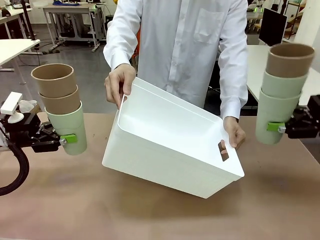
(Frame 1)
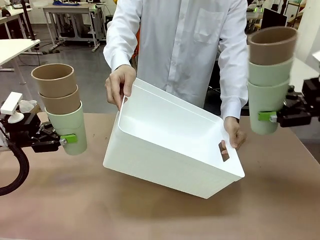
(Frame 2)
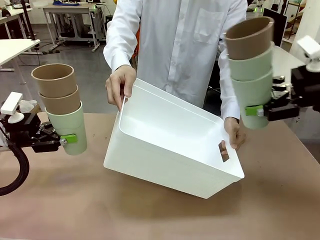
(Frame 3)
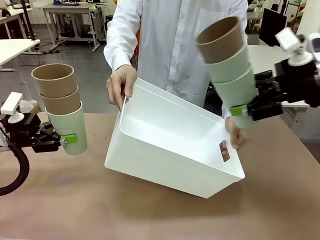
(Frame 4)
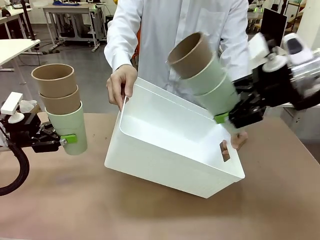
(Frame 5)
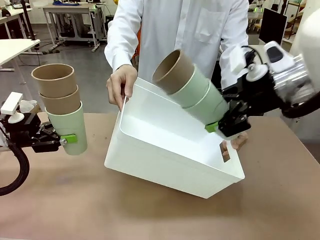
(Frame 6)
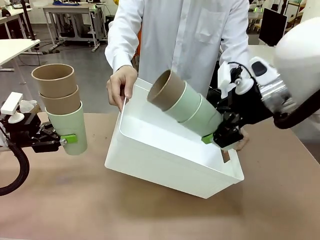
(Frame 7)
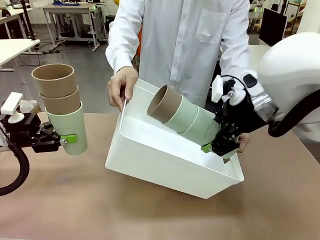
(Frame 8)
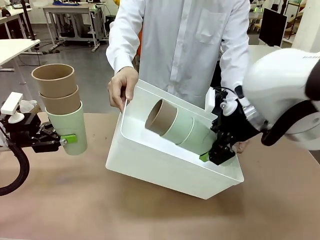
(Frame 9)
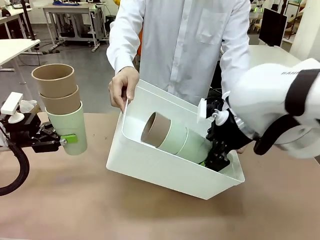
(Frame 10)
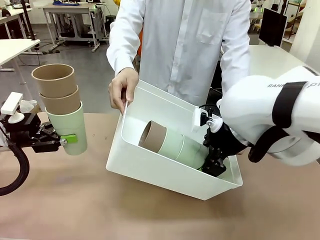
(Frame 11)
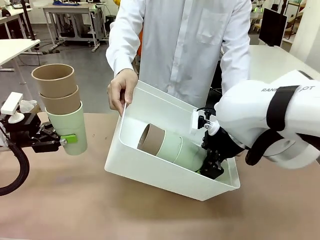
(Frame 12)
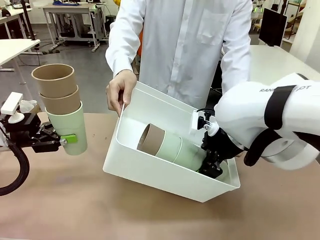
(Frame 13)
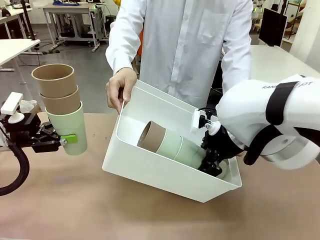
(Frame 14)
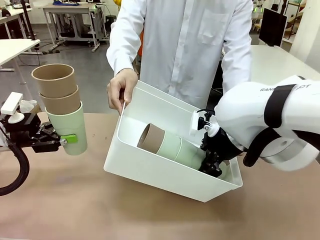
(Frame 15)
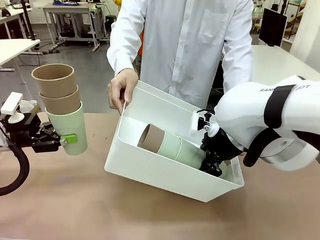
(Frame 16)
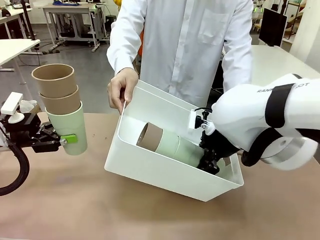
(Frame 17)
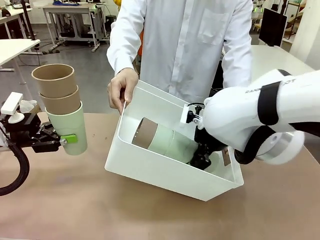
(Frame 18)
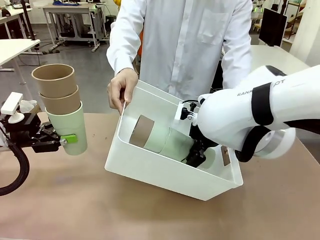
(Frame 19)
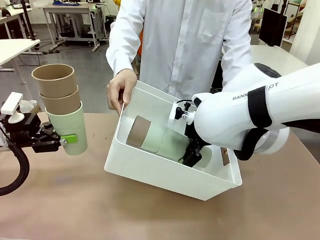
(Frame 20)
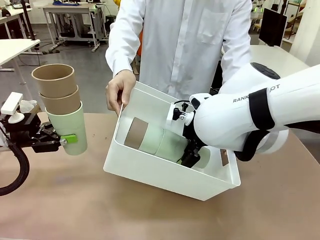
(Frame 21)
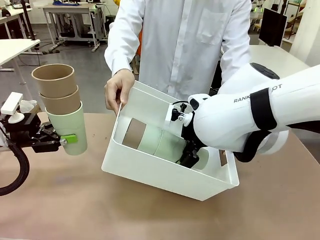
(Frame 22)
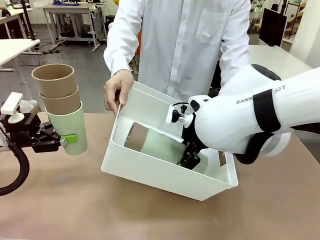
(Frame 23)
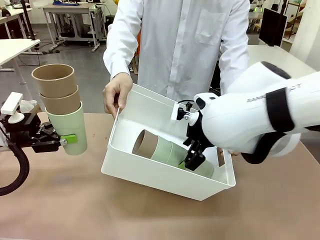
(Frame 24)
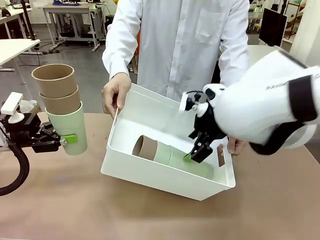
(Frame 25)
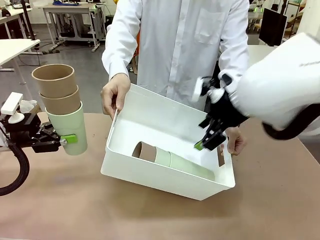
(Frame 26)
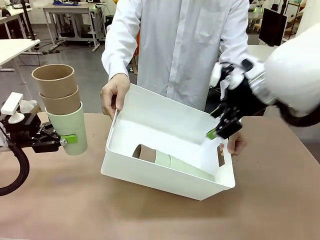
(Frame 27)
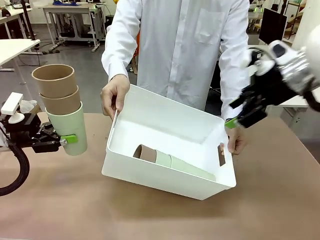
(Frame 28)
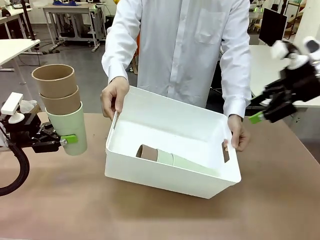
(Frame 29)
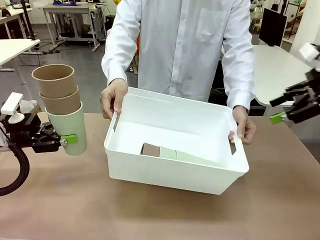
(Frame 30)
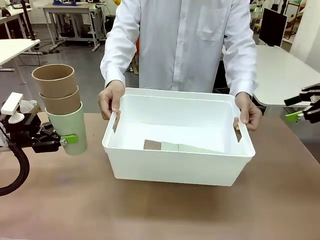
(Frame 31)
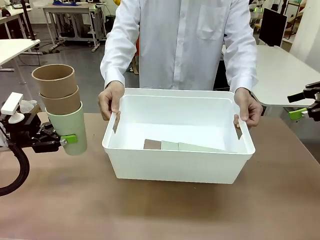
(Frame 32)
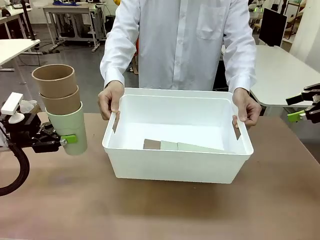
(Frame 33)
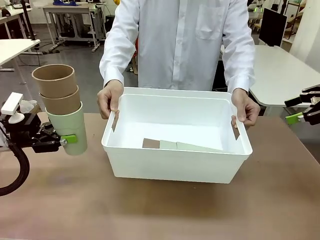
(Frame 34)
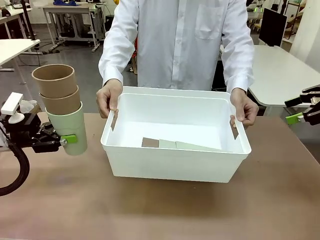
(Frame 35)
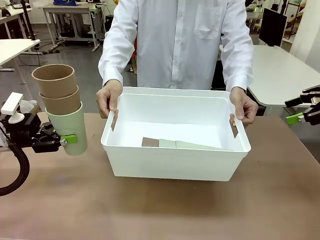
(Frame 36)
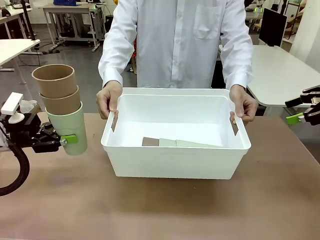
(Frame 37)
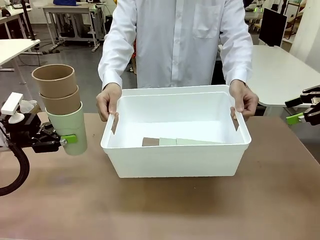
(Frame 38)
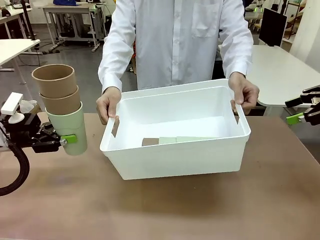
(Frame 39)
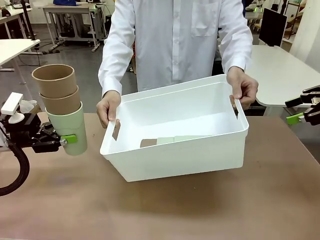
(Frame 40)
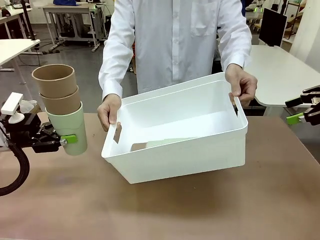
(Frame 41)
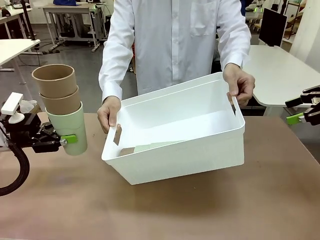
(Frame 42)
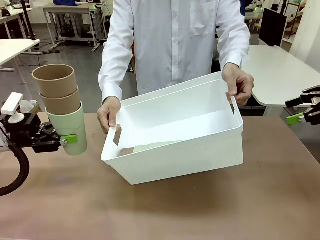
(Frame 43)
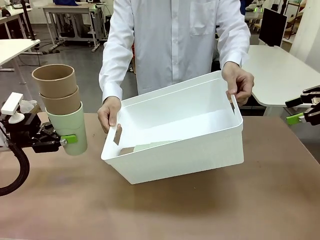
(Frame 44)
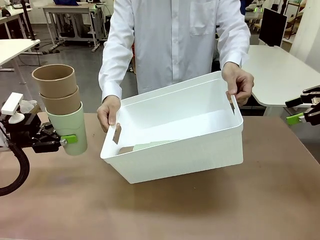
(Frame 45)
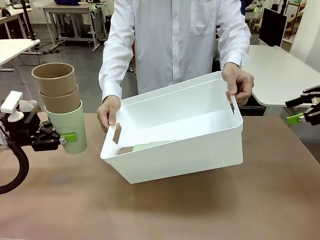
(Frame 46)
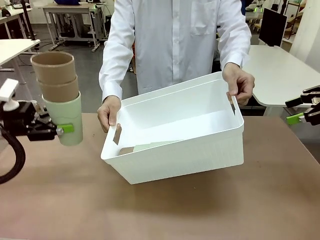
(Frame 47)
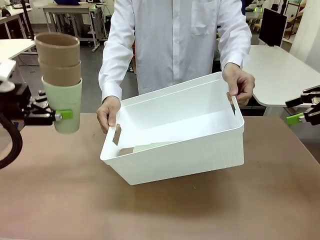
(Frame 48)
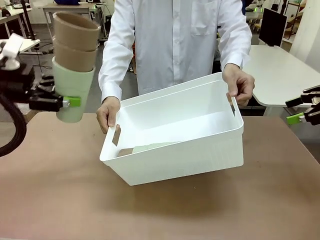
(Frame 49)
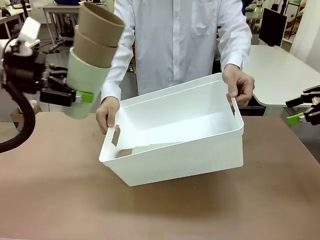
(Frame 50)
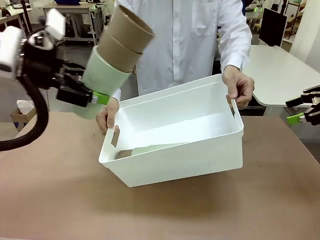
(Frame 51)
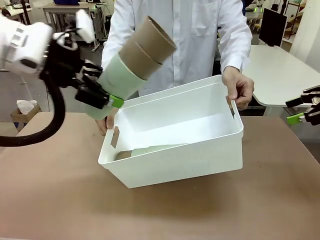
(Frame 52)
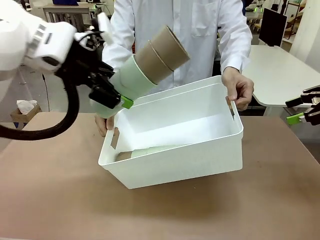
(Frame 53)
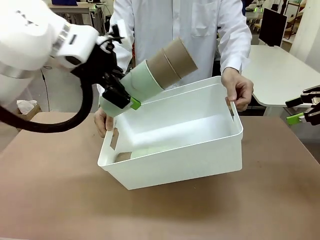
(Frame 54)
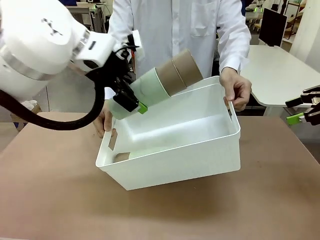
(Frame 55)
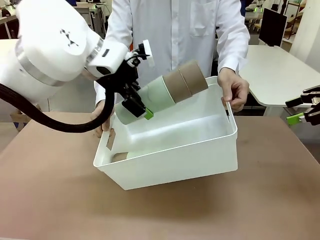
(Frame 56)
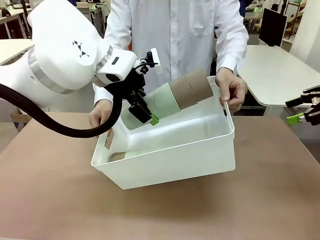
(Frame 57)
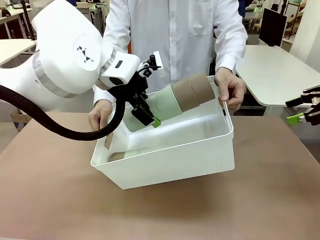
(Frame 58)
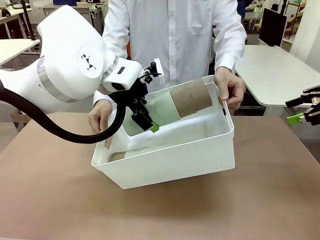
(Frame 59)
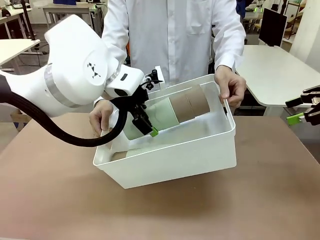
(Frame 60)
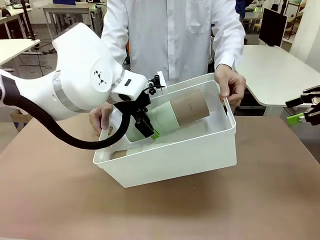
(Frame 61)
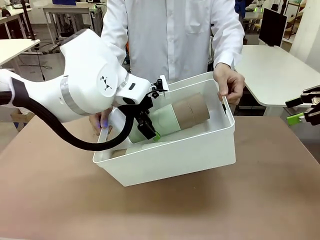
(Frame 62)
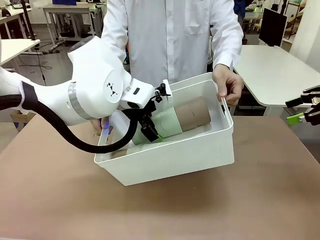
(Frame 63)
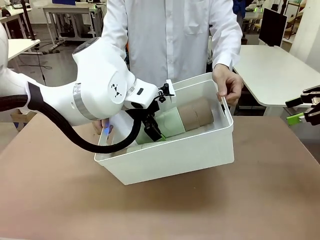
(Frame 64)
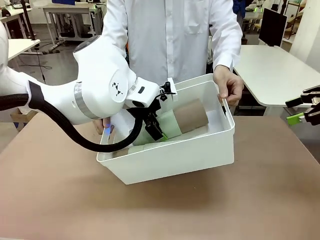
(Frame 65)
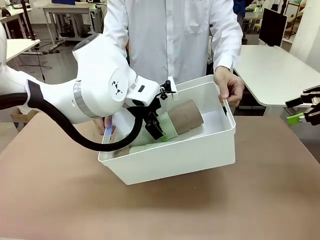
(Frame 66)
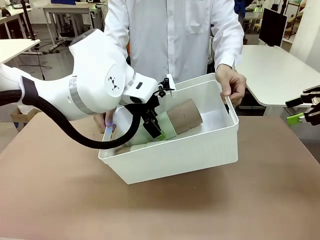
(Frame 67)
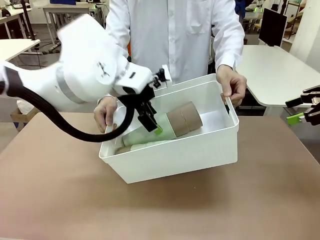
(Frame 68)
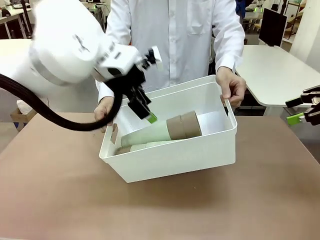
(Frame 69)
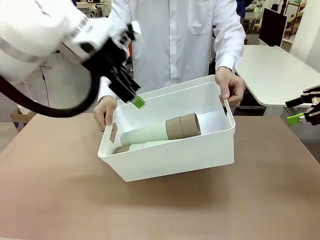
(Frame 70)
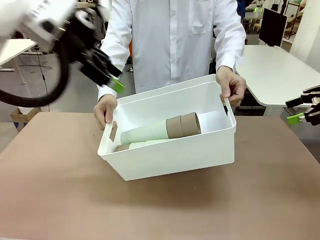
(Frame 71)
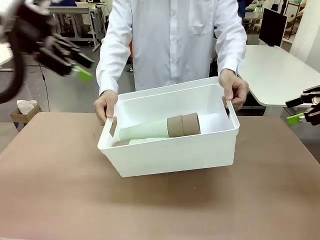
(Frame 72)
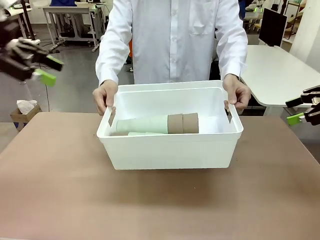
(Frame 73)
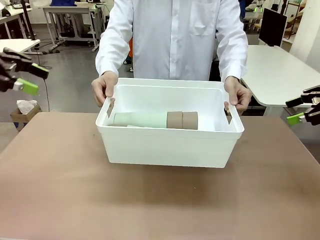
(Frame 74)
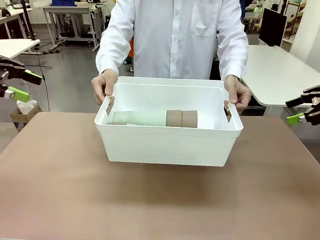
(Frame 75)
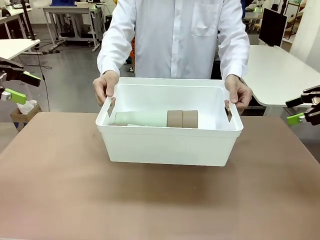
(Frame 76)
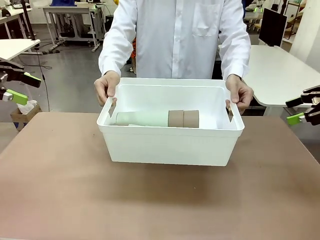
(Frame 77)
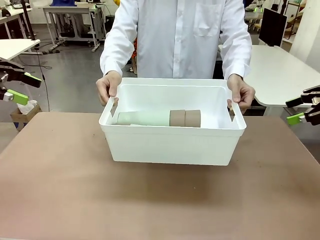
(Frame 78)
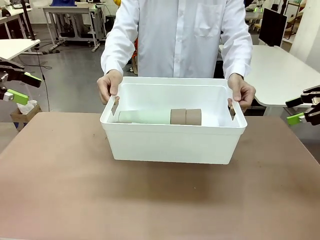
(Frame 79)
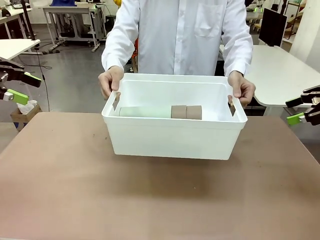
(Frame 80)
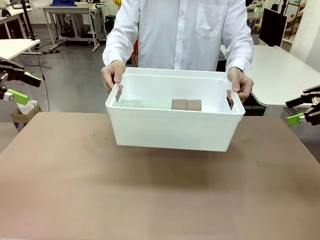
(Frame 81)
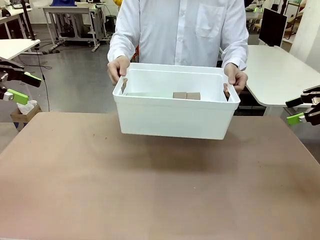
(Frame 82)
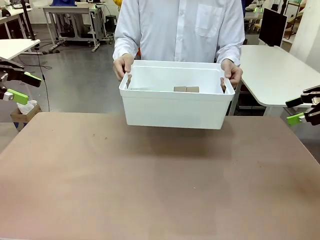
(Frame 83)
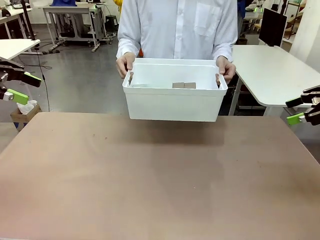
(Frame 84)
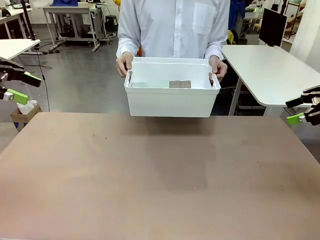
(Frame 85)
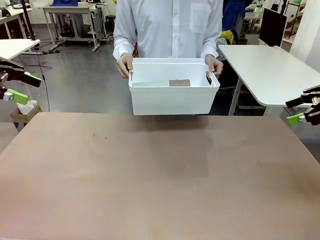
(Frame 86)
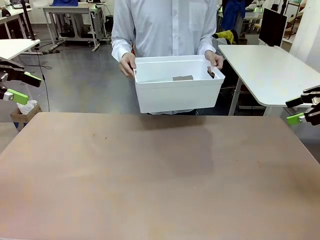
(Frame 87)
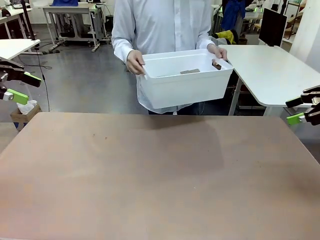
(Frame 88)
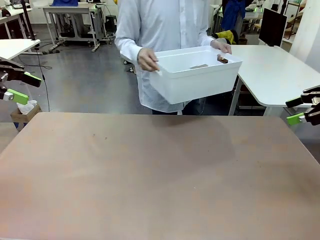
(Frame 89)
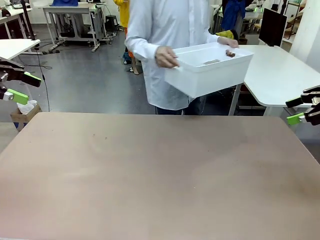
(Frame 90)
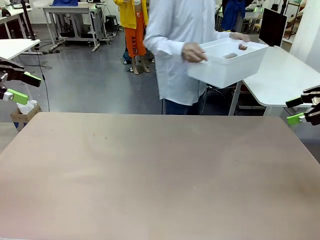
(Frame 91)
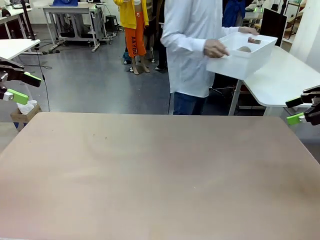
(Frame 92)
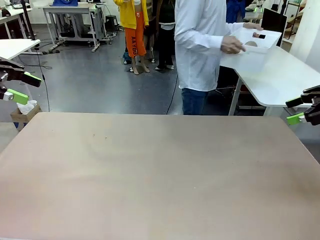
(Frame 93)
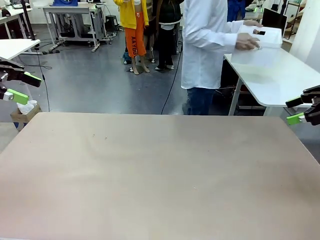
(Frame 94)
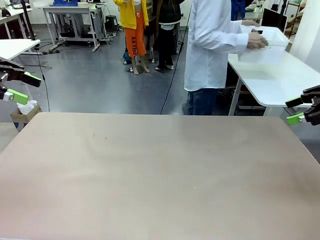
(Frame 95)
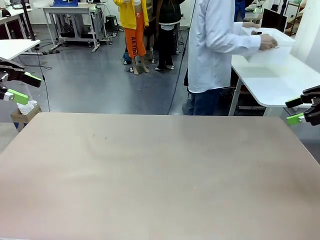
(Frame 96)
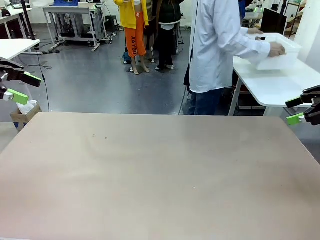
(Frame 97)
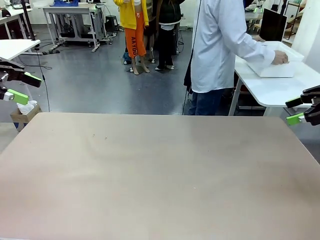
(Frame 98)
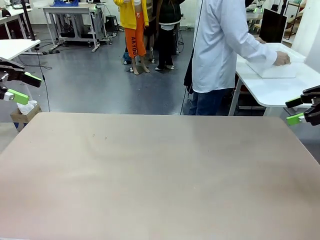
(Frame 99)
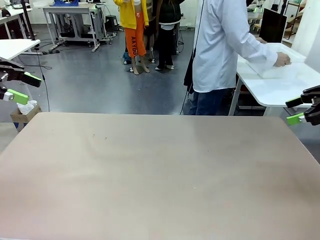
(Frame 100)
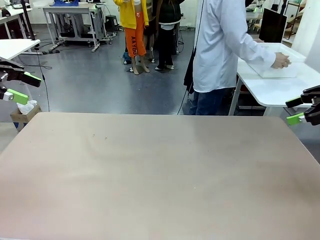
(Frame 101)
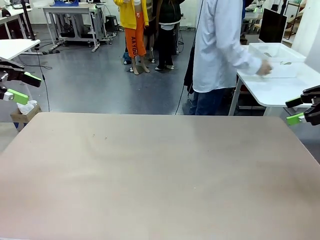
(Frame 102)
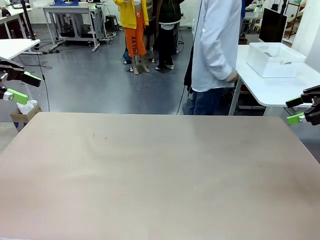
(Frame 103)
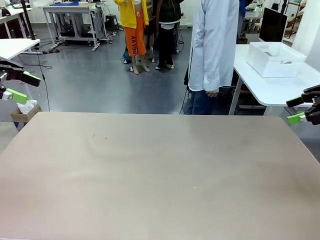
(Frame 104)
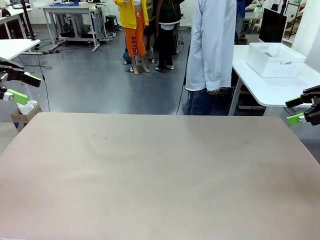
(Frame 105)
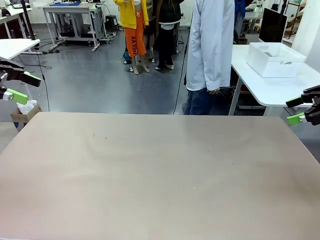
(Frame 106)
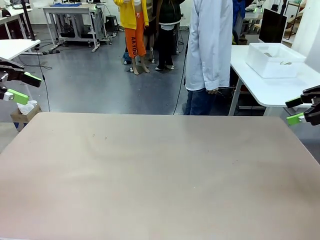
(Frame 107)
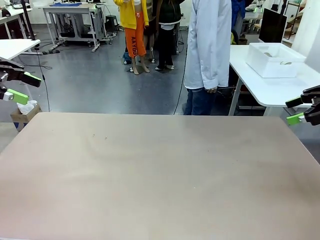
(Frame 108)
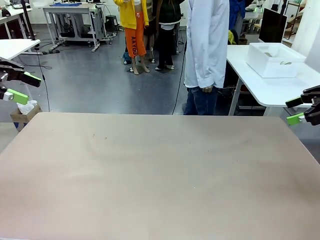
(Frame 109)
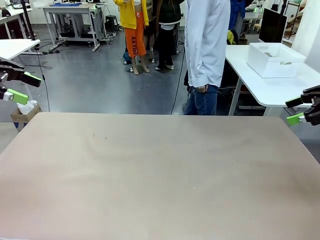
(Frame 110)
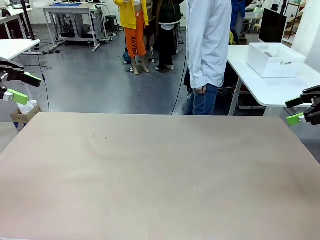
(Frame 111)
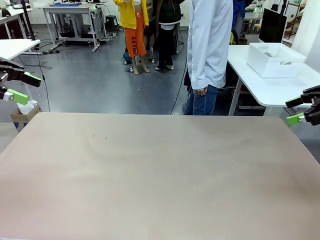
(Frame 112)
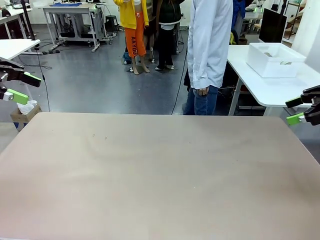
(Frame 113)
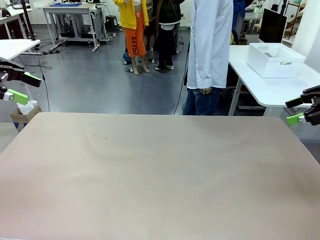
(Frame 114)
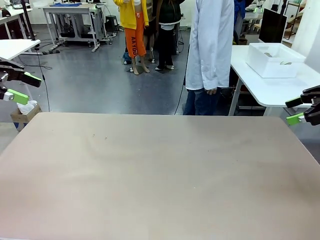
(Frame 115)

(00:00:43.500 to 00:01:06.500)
Task: Stack the cups and store them in the basket.
Robot: Place the stack of Reusable plastic cups into the Pantry Basket.
Person: Place the basket containing the cups in the middle of the Human Table.
